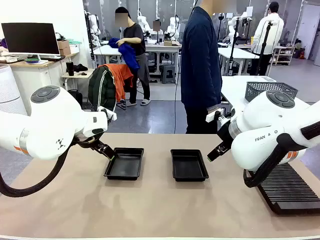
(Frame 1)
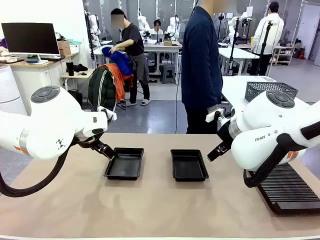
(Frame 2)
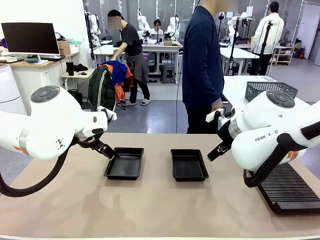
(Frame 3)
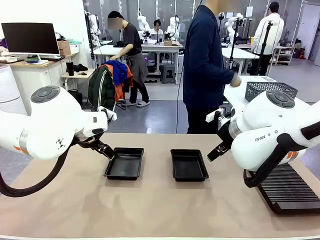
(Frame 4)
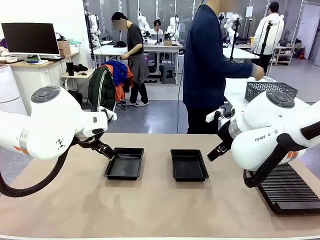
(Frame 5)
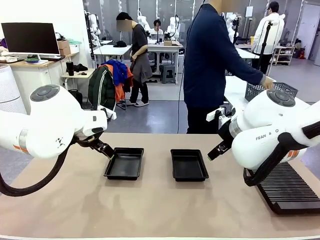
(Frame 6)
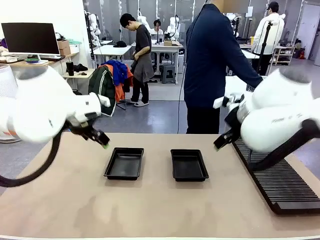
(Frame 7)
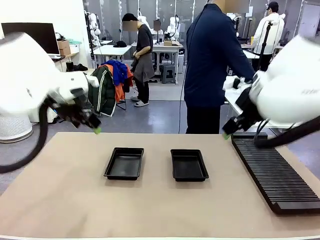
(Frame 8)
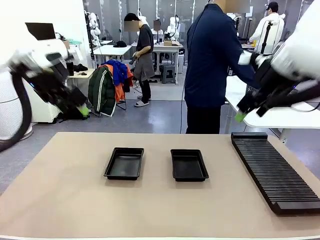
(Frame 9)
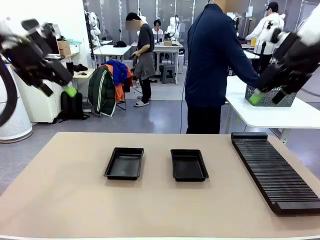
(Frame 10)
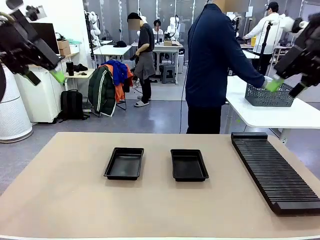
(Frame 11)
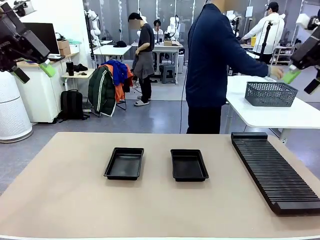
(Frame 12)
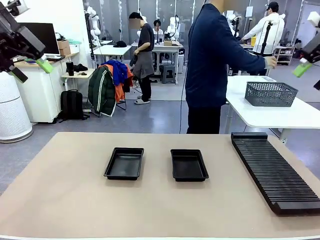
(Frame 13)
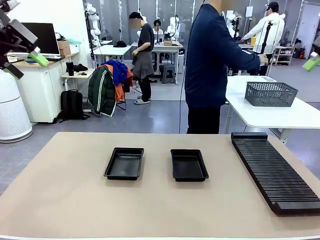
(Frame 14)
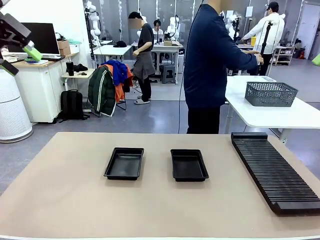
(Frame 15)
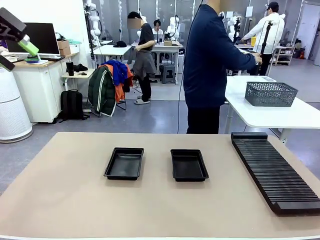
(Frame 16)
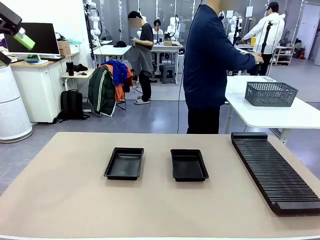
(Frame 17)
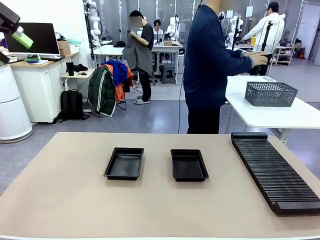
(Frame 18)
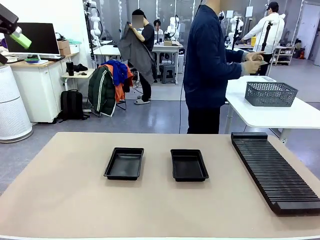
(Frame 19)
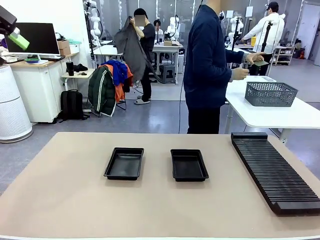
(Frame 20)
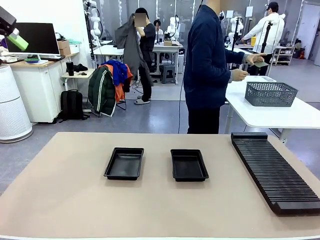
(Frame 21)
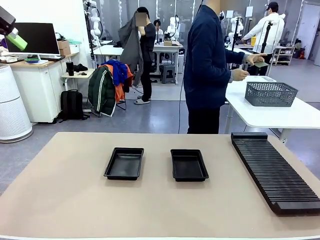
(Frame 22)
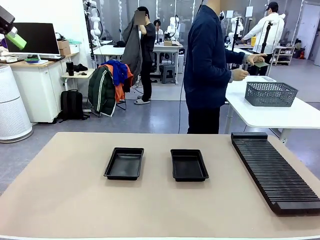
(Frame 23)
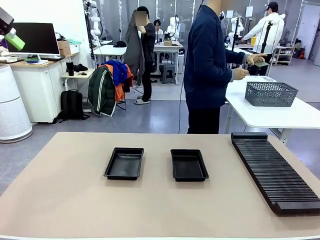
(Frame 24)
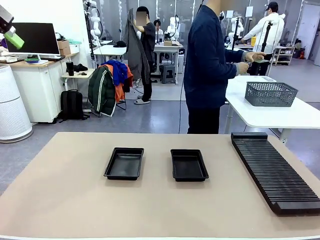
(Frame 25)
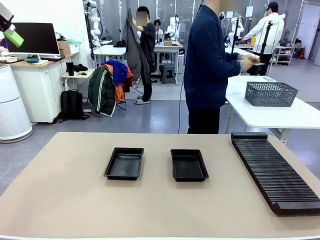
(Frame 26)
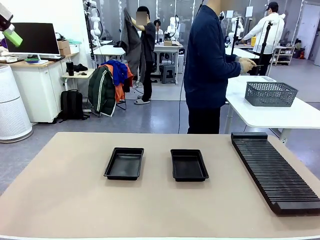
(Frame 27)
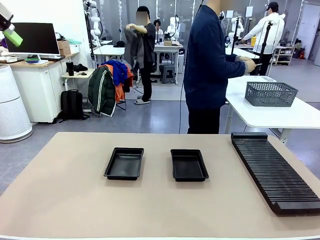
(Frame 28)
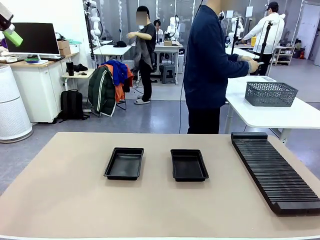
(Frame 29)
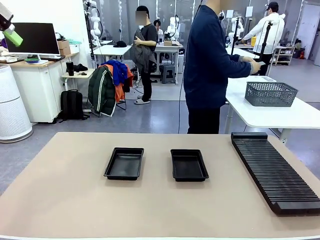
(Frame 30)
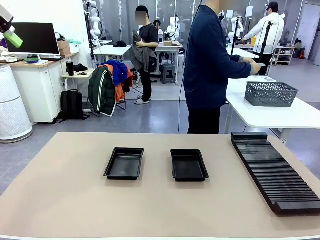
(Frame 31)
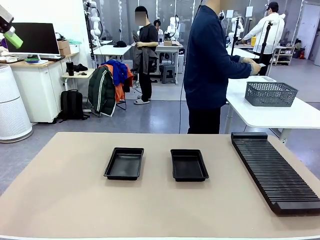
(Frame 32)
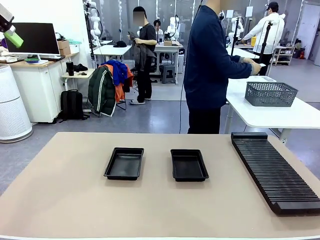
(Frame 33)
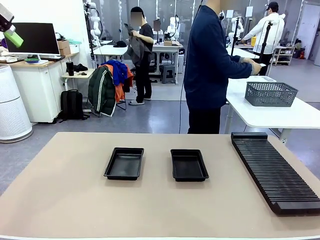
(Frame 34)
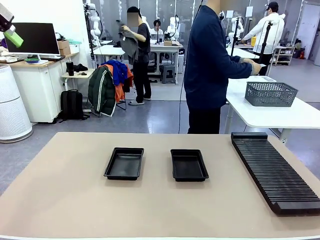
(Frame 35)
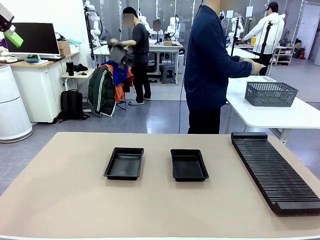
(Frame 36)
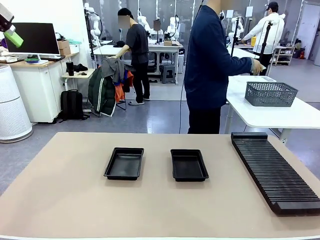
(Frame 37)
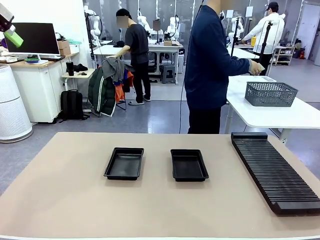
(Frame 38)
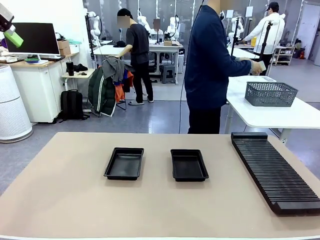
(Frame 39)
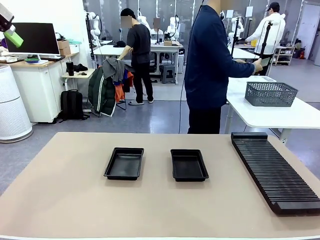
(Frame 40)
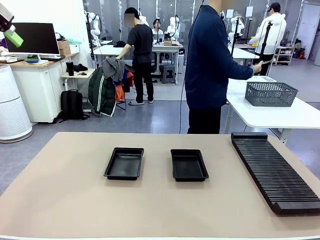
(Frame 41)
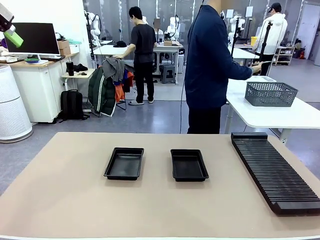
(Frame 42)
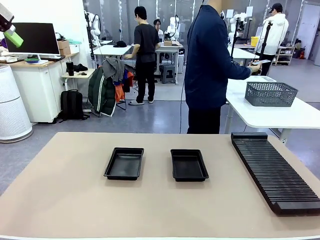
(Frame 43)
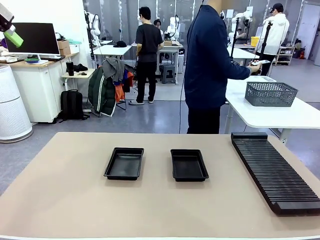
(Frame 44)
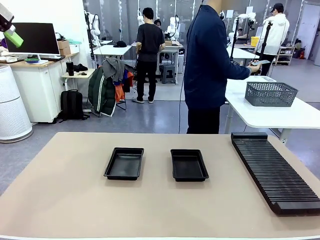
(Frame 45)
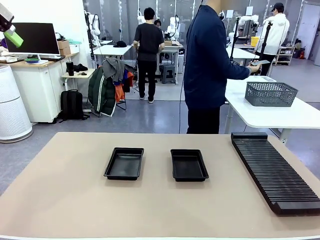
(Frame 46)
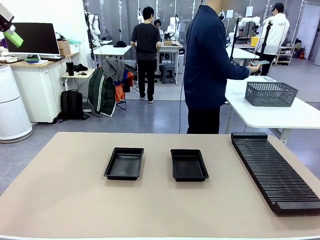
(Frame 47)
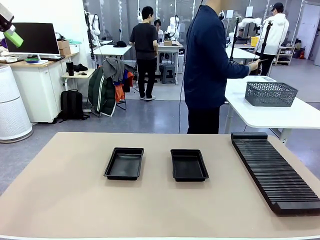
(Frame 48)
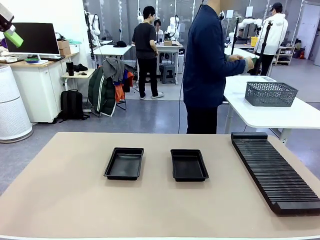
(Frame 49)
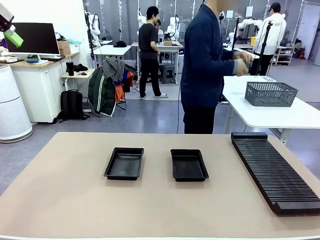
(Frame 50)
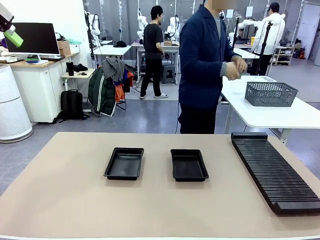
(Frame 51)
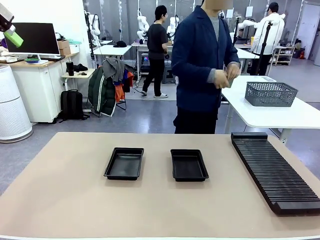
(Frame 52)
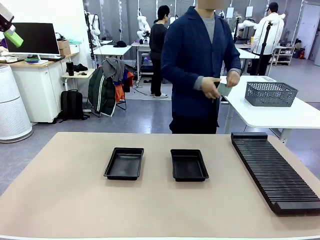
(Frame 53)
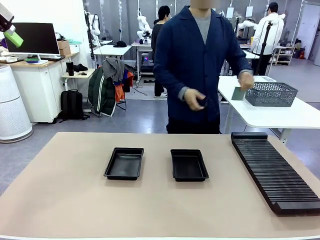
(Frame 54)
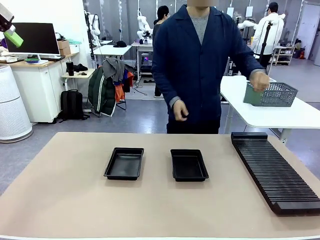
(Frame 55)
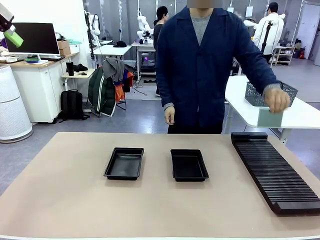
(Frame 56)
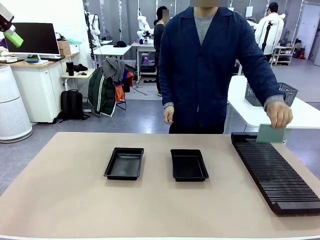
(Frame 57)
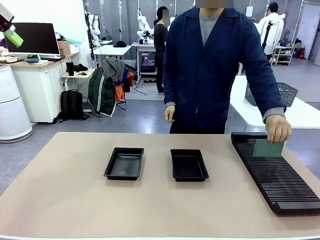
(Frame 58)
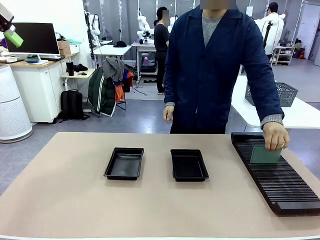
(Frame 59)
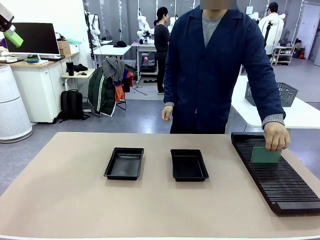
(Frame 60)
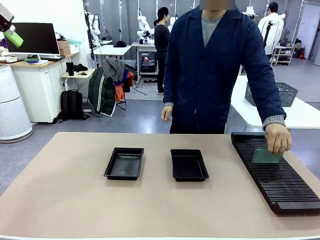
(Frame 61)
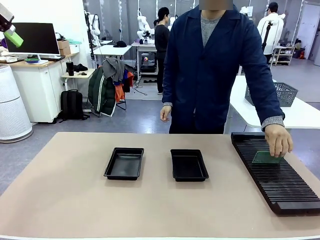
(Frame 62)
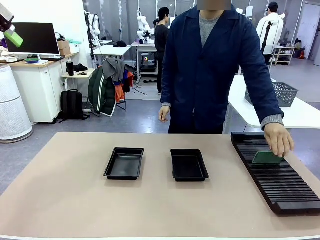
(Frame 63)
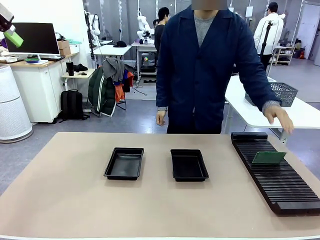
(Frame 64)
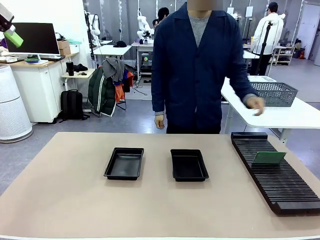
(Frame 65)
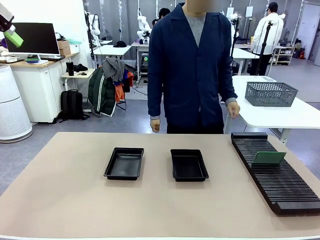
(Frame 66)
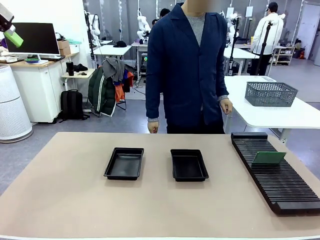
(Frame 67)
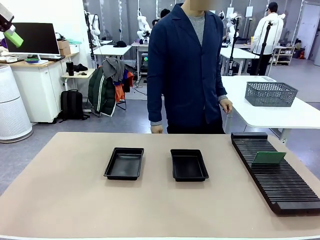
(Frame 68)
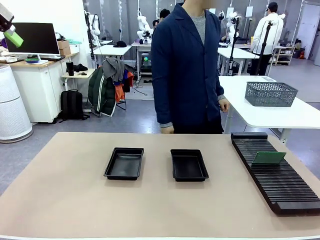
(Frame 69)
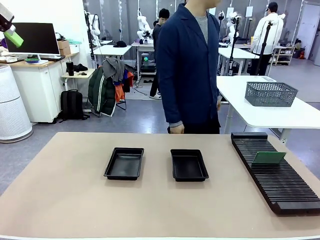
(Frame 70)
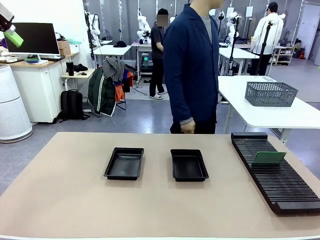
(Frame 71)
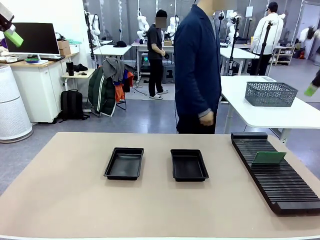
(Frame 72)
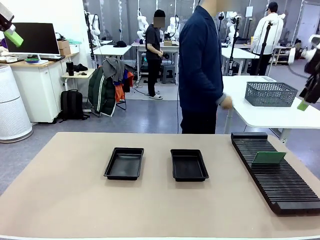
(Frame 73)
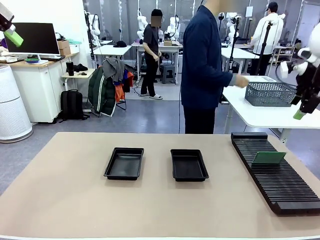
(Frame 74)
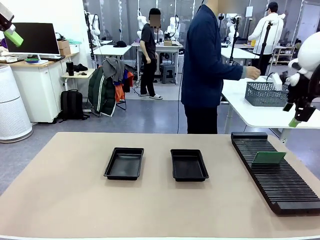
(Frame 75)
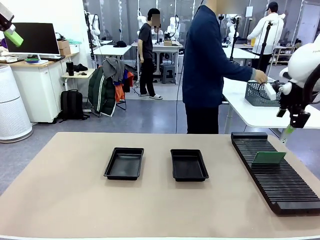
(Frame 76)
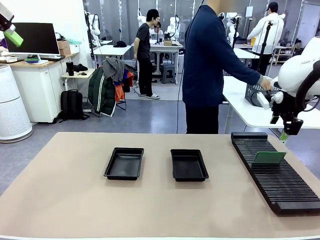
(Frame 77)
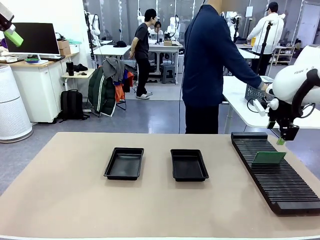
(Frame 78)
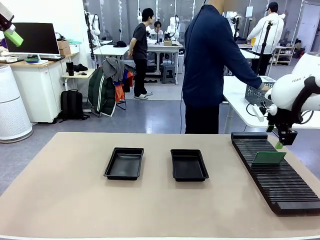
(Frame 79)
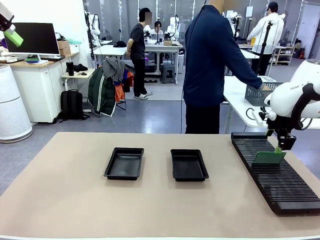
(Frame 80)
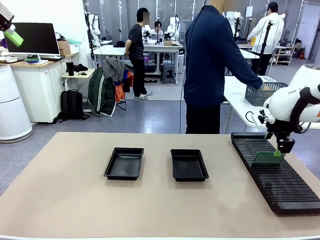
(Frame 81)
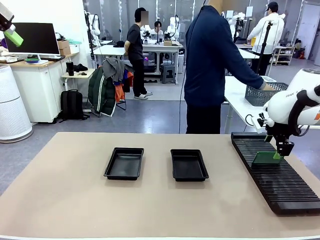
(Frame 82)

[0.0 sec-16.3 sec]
Task: Inspect and transfer BCBs to ESD trays.
Robot: Pick up the Blank PCB from the PCB Rack and place it in the left ESD tray.
